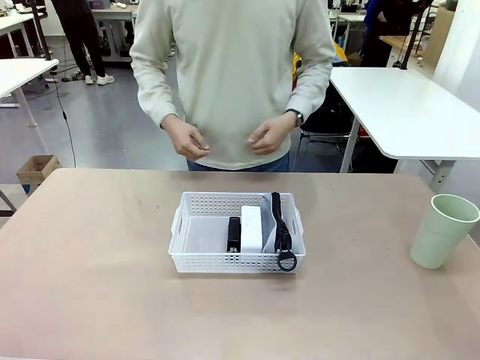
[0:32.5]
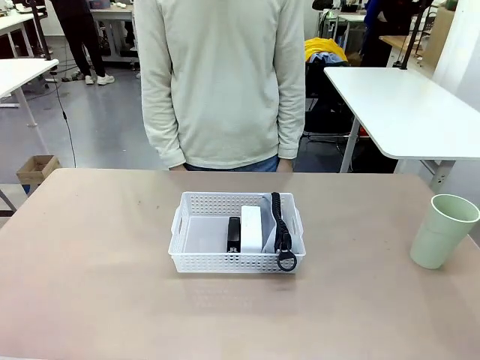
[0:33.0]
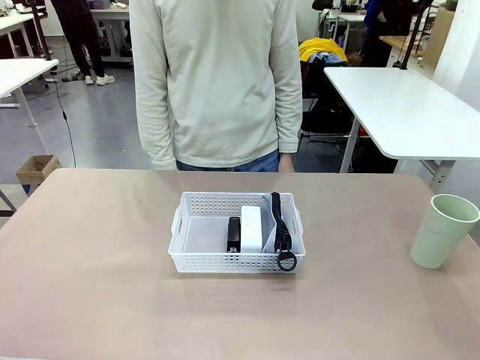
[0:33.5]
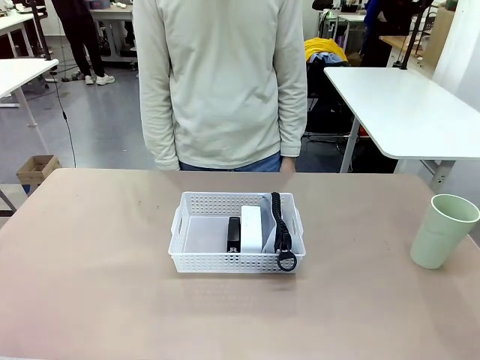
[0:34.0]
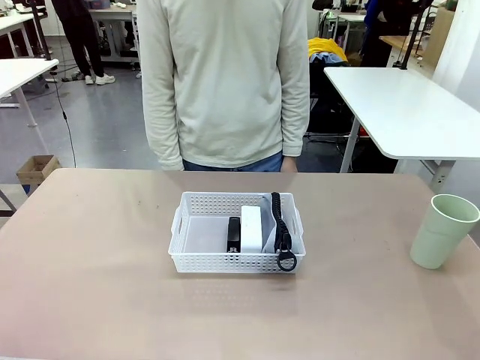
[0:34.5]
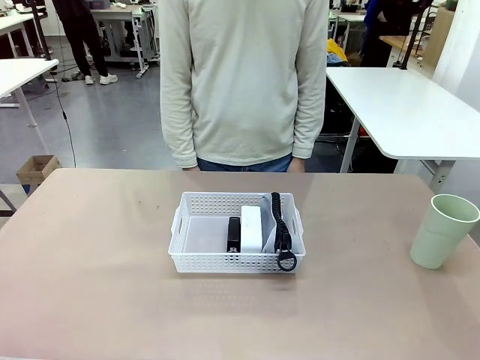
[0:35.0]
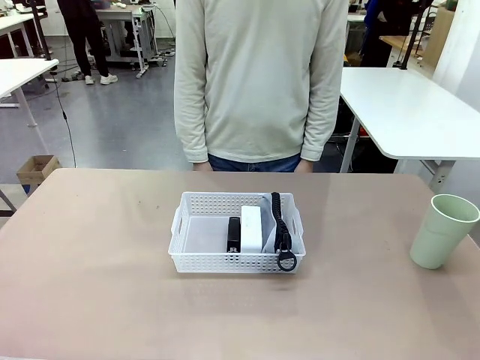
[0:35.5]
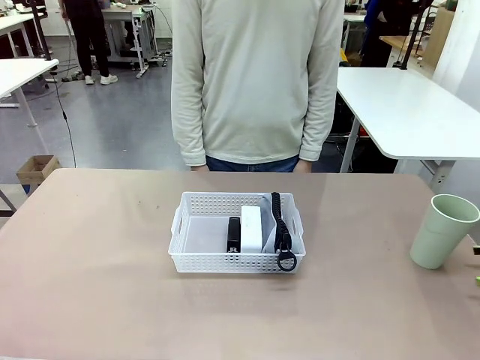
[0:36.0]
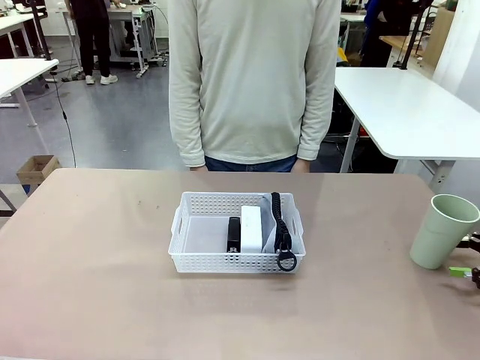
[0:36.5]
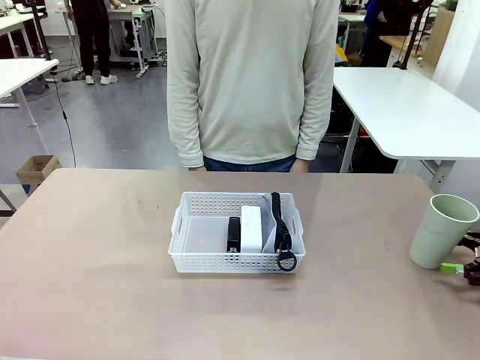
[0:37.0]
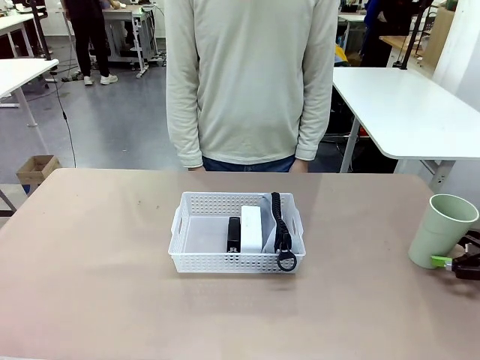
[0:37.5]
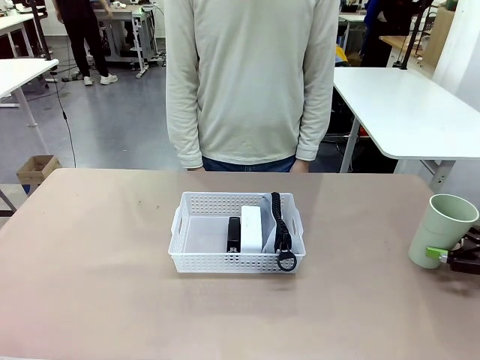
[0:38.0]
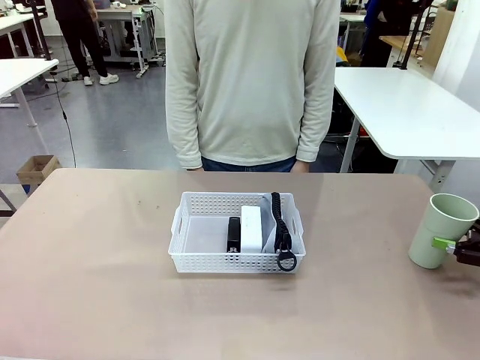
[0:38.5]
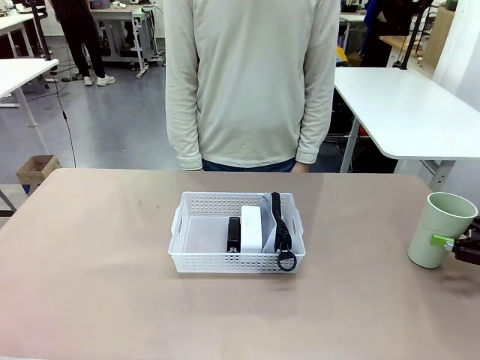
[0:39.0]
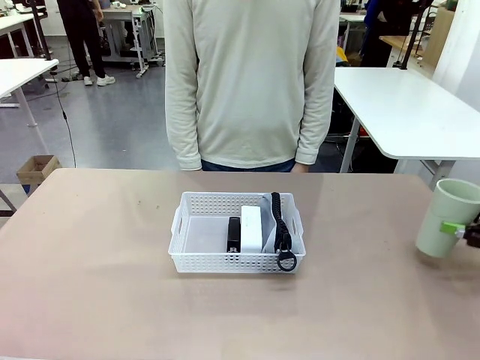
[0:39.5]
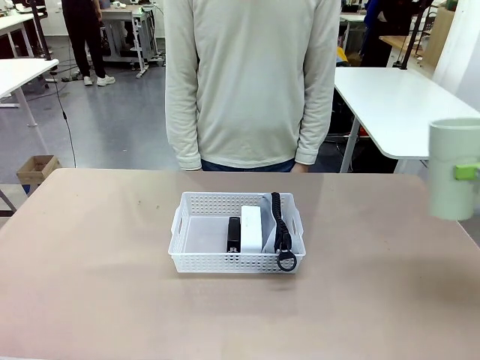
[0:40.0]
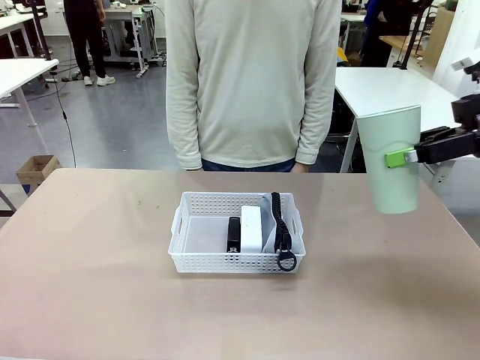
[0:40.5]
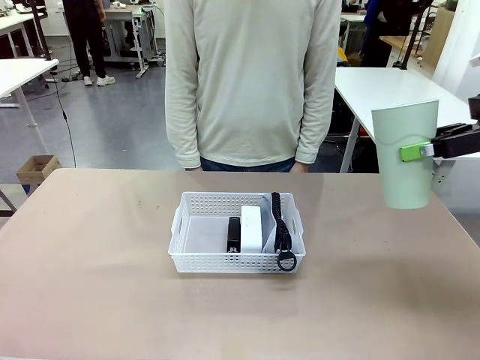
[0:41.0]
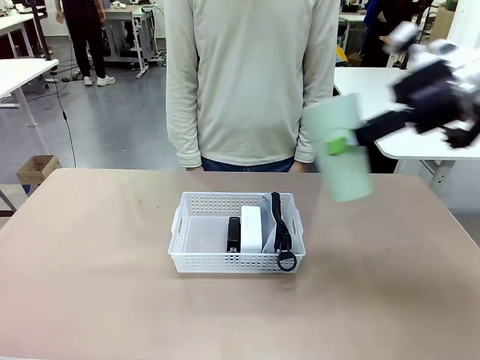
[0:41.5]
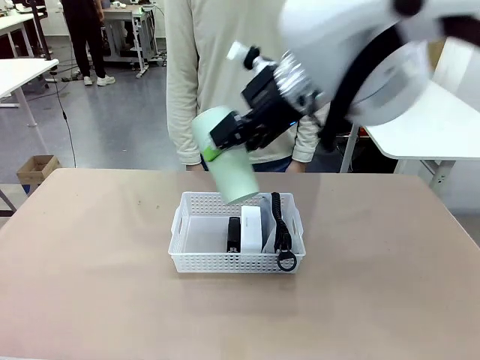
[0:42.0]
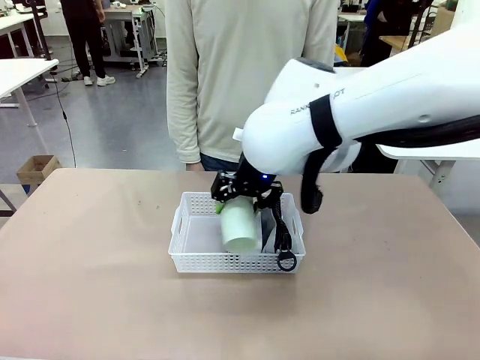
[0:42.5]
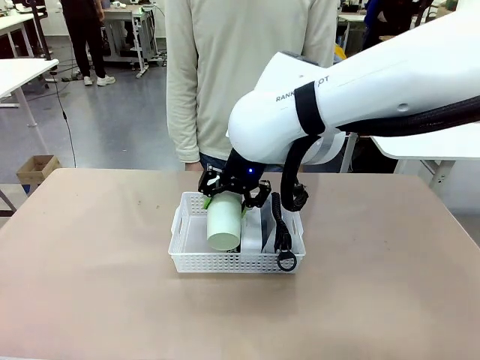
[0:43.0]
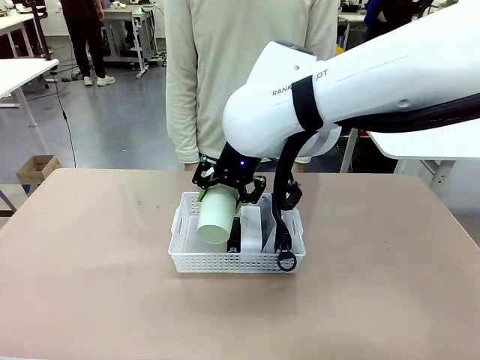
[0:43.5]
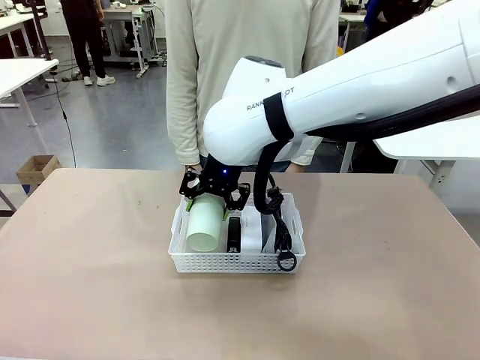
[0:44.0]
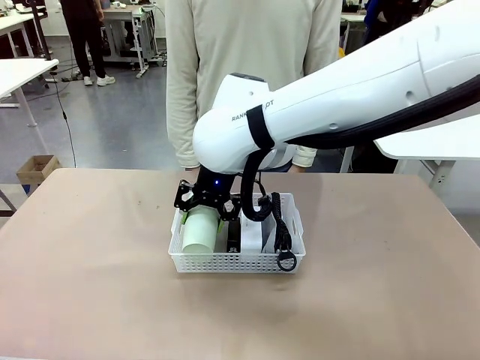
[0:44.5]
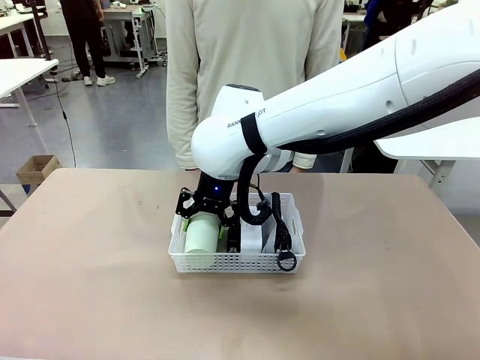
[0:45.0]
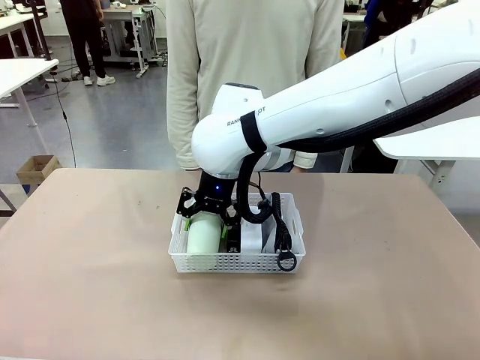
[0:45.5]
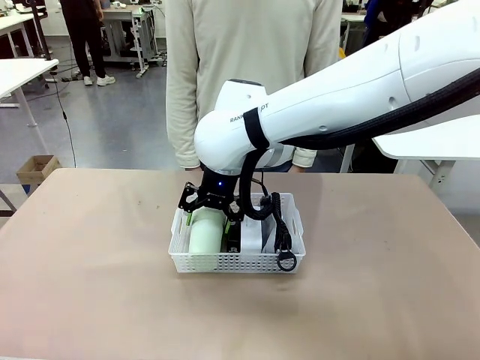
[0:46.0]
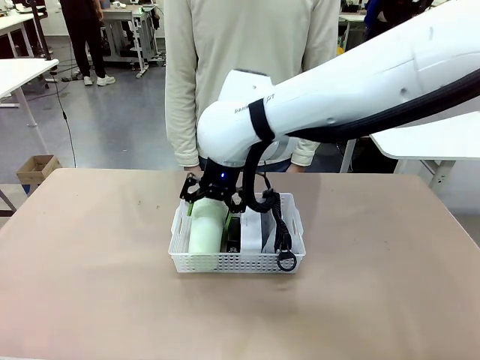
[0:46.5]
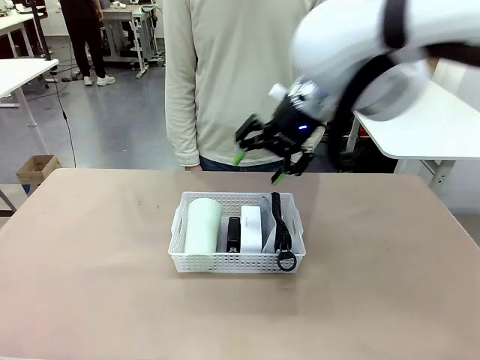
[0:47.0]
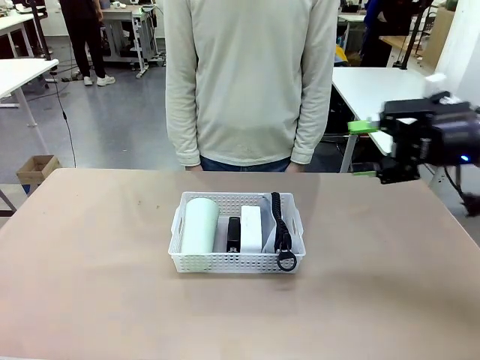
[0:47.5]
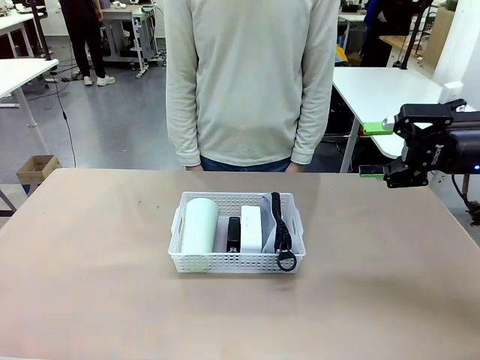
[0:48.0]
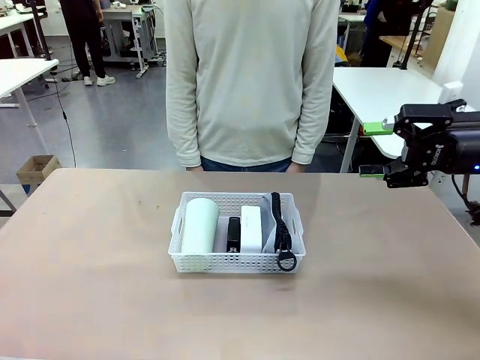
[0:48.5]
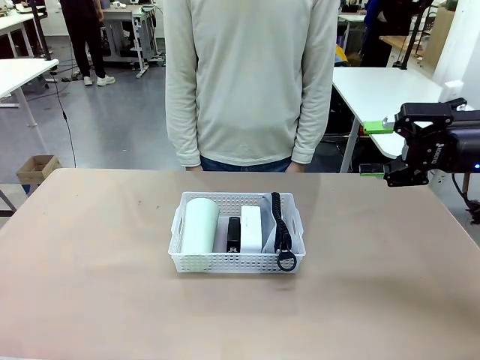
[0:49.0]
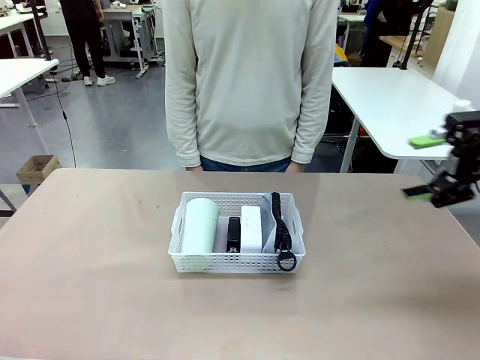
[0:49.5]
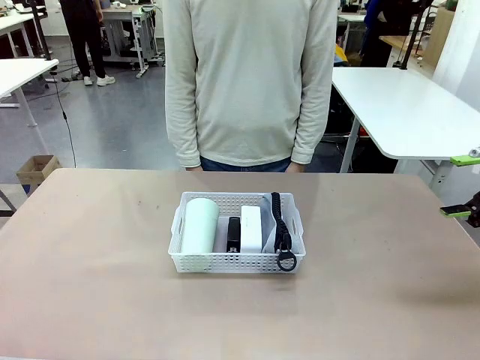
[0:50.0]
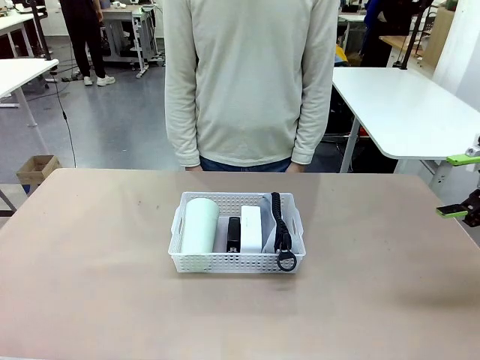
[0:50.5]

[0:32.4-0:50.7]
Task: Efficiently arrange items inside the basket to fit them all.
Robot: Pick up the Reusable plastic cup and place it inside the Organizing basket.
Person: Repositions the stapler.

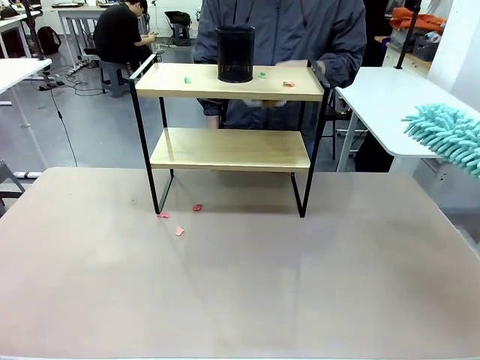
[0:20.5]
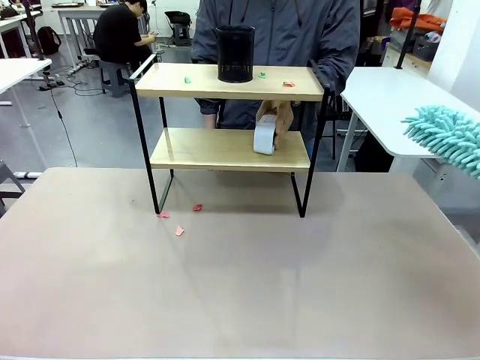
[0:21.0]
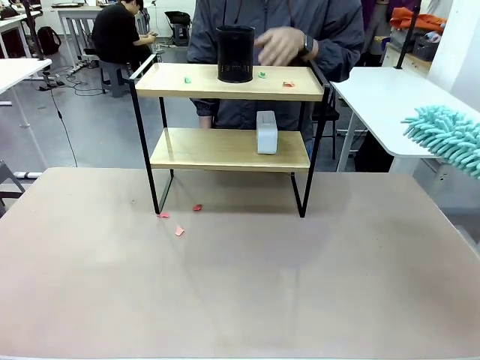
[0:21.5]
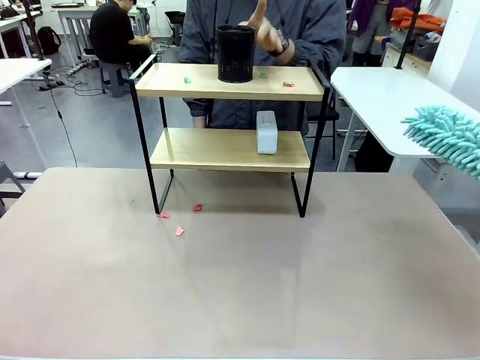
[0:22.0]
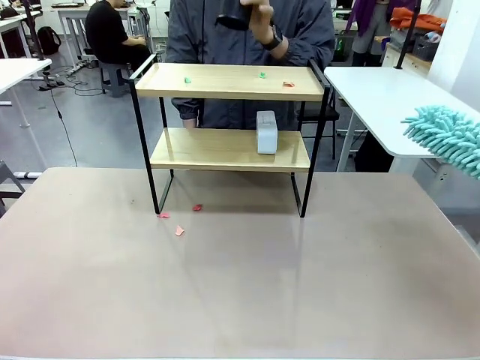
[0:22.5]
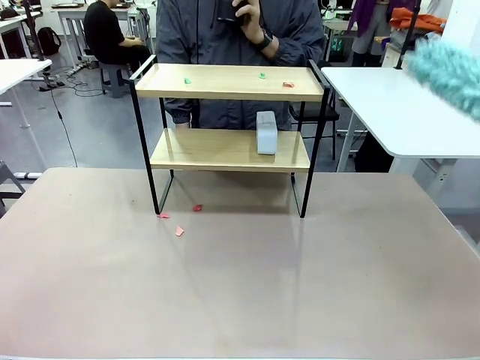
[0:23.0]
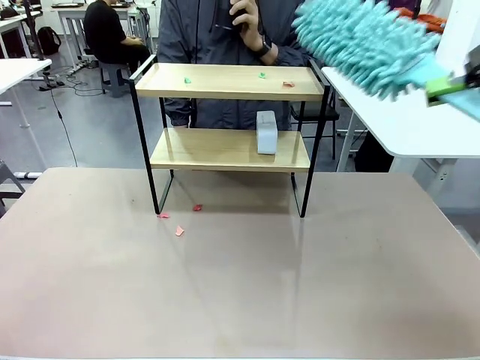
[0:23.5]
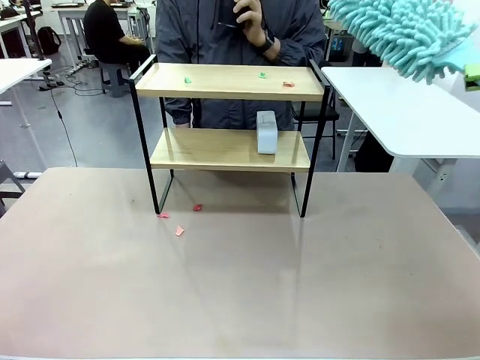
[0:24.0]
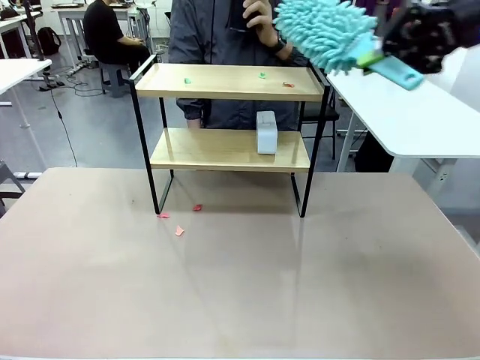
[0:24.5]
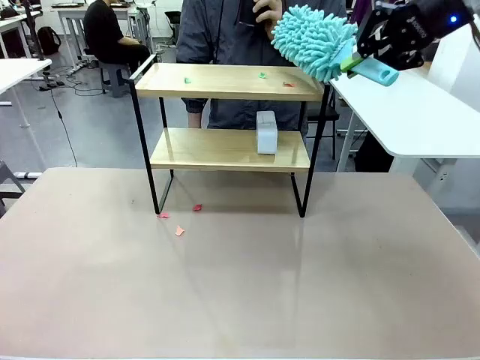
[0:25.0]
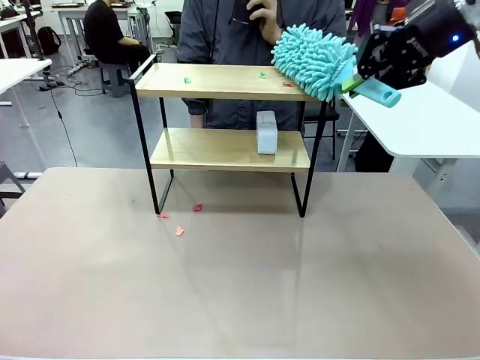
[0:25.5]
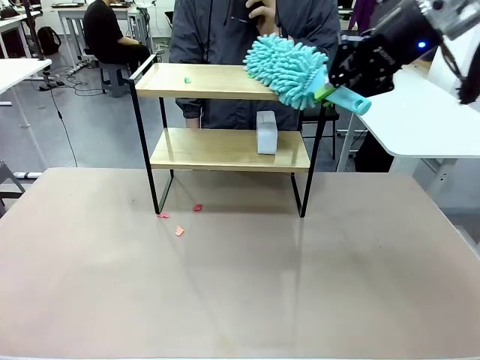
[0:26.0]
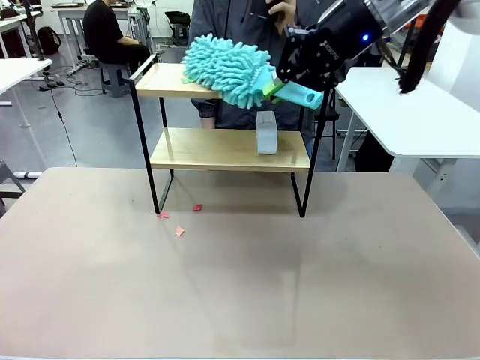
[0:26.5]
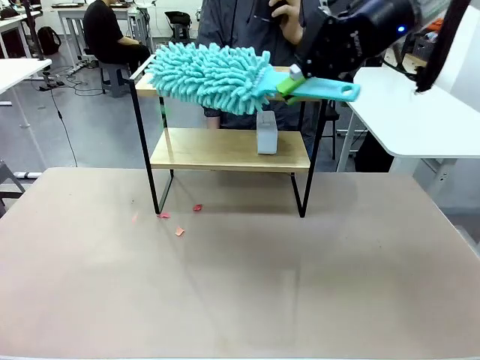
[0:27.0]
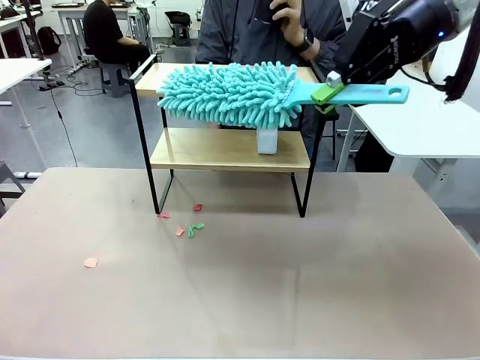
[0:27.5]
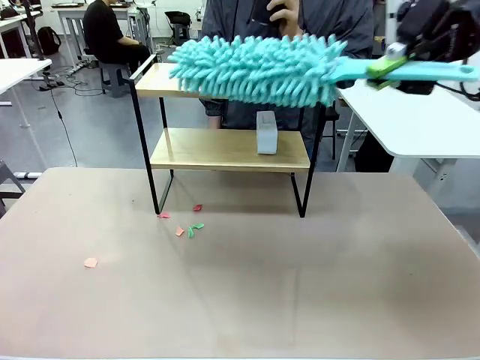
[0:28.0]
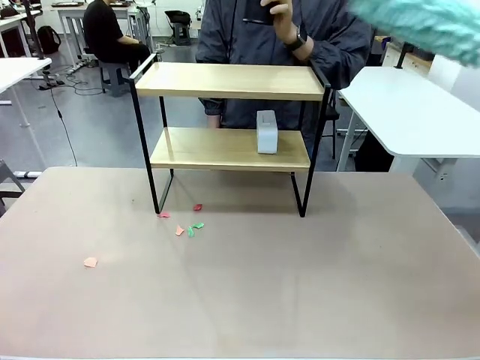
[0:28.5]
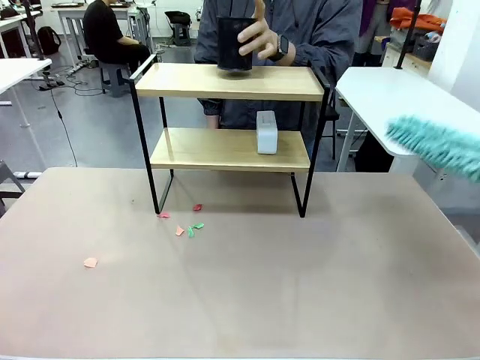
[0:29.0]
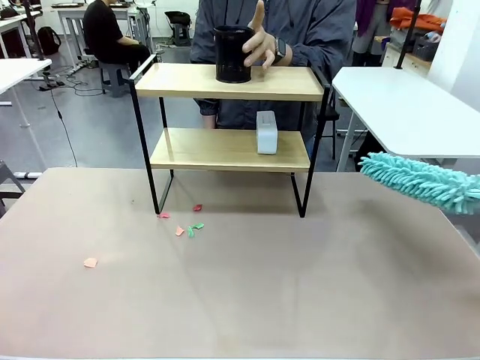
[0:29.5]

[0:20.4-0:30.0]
Task: Clean the shelf.
Robot: Clean the remaining tier of the Shelf with the Duster once objects are removed.
